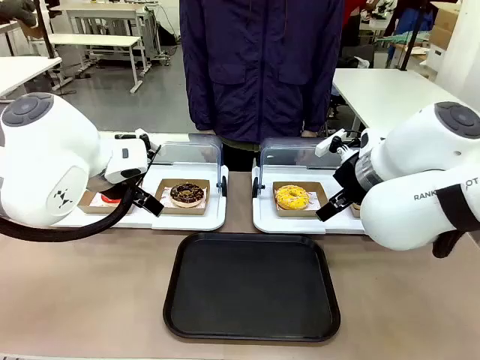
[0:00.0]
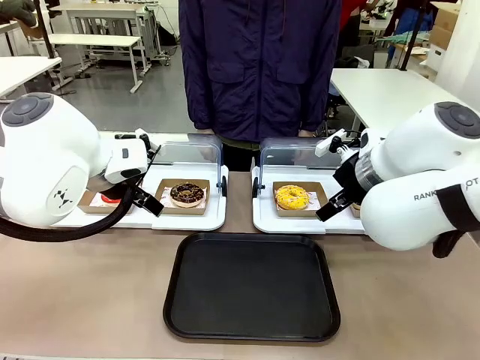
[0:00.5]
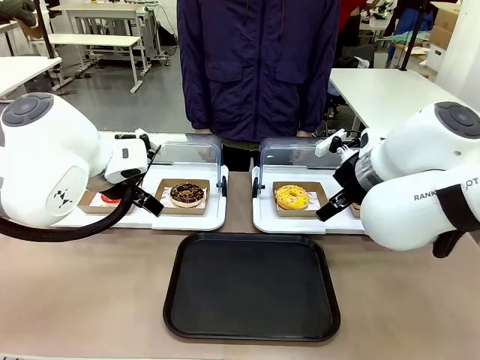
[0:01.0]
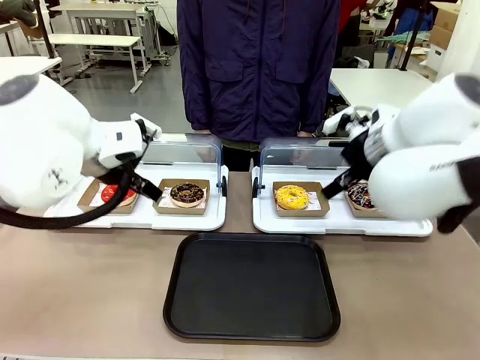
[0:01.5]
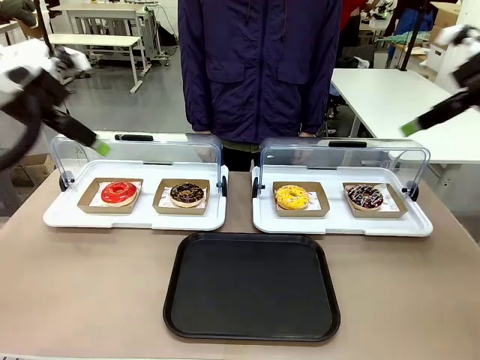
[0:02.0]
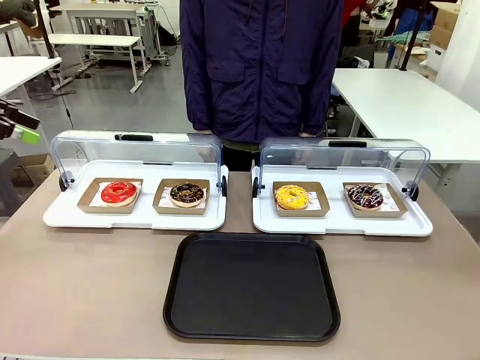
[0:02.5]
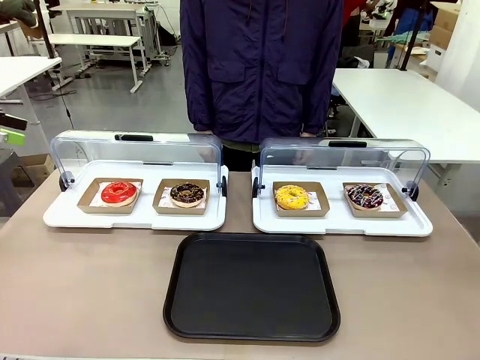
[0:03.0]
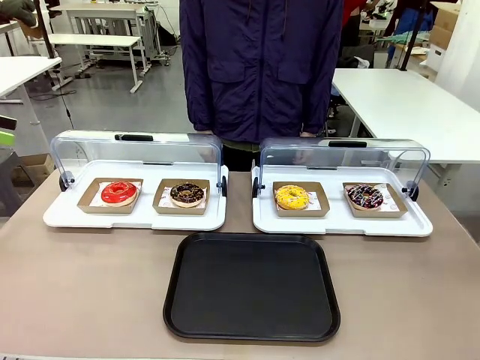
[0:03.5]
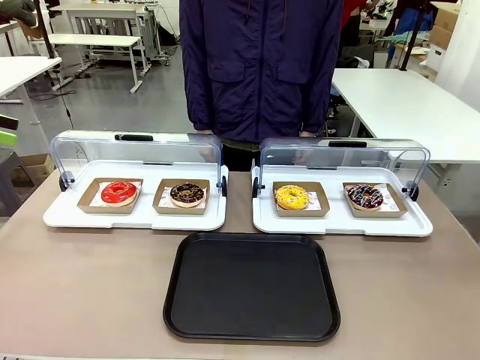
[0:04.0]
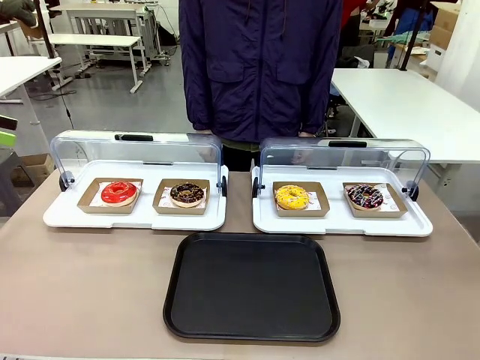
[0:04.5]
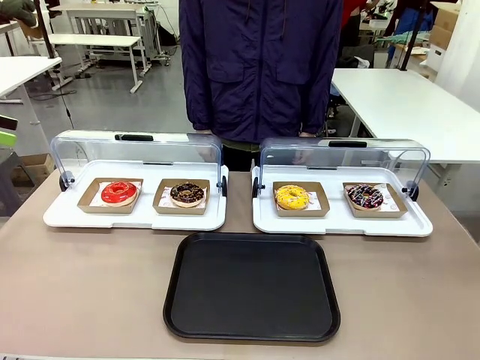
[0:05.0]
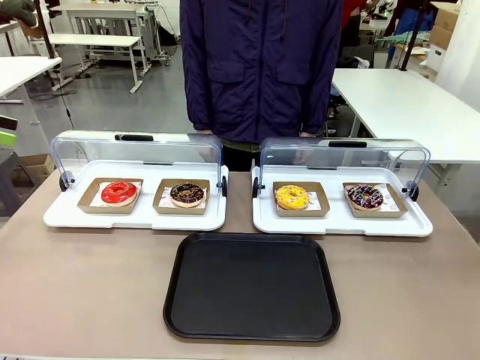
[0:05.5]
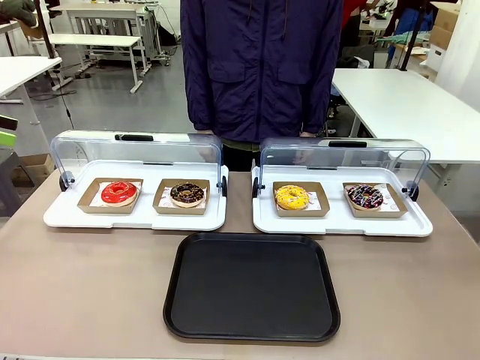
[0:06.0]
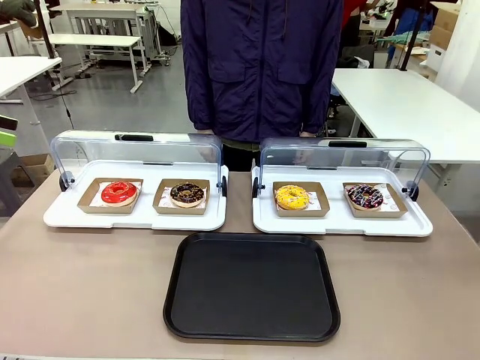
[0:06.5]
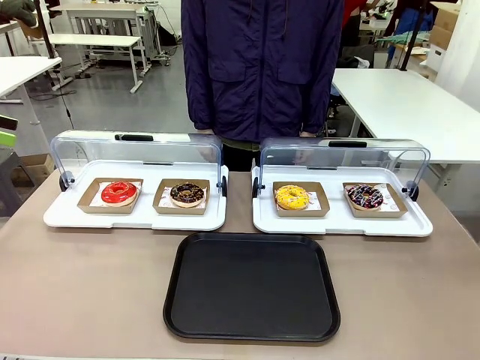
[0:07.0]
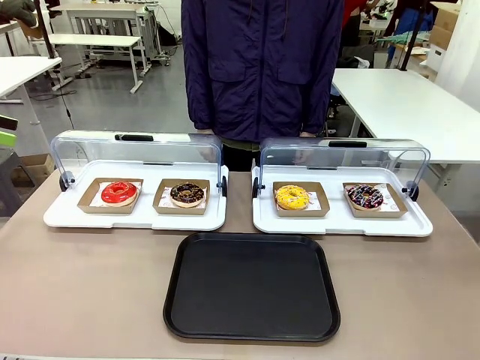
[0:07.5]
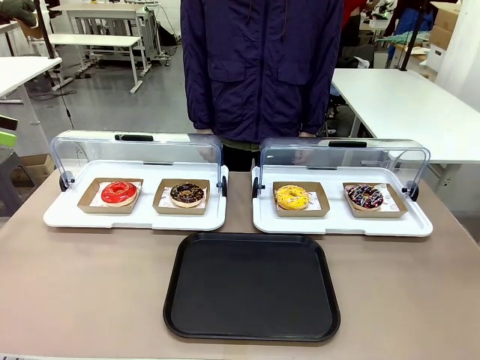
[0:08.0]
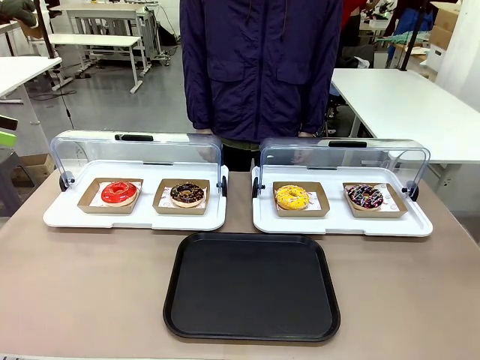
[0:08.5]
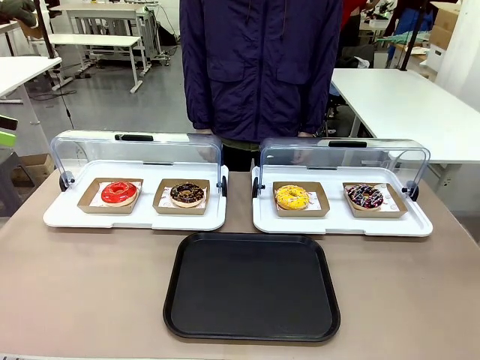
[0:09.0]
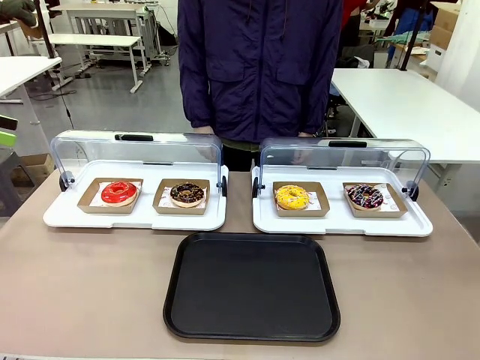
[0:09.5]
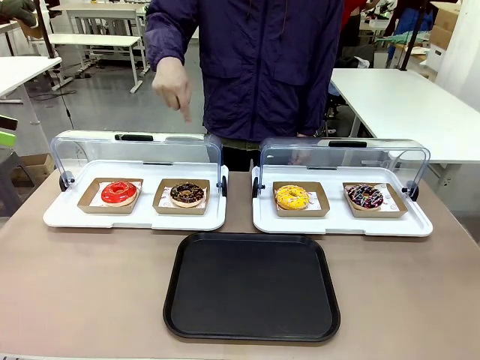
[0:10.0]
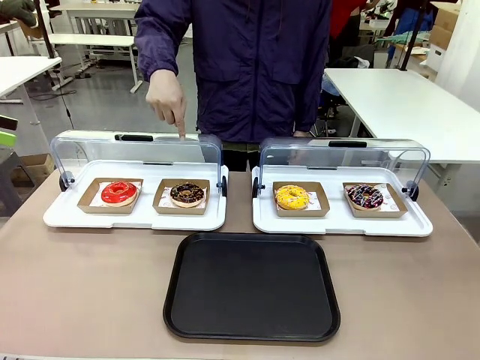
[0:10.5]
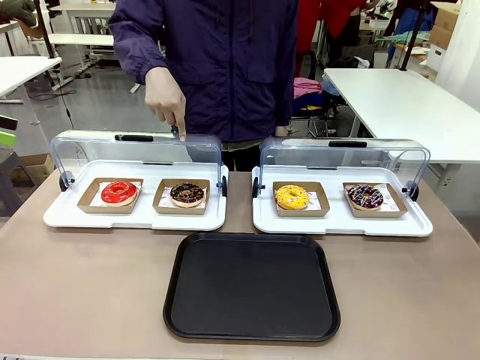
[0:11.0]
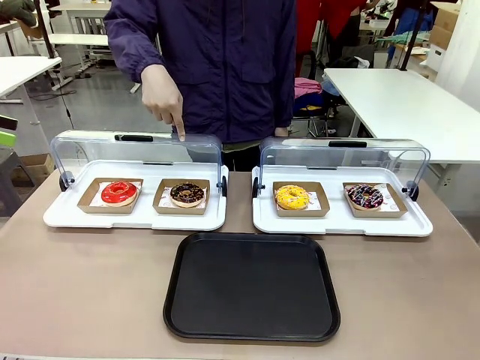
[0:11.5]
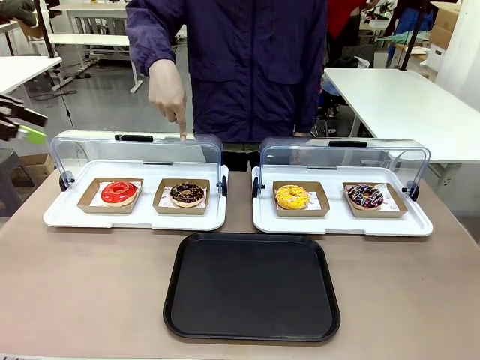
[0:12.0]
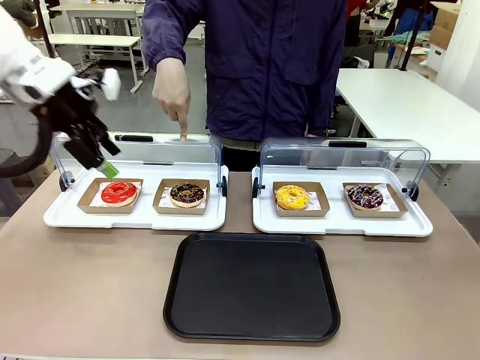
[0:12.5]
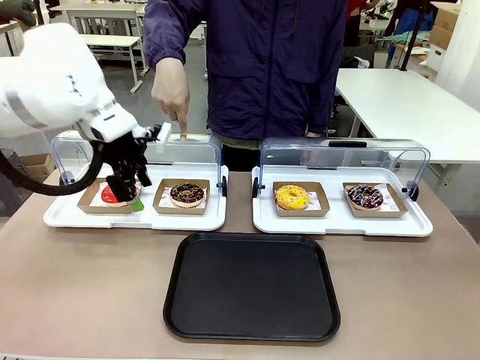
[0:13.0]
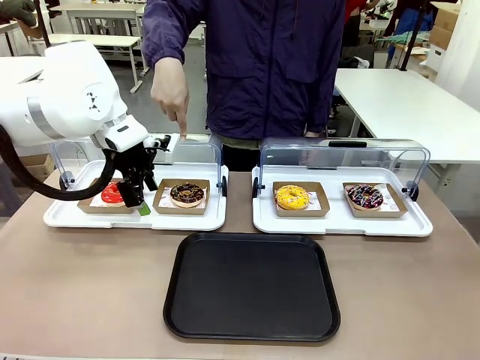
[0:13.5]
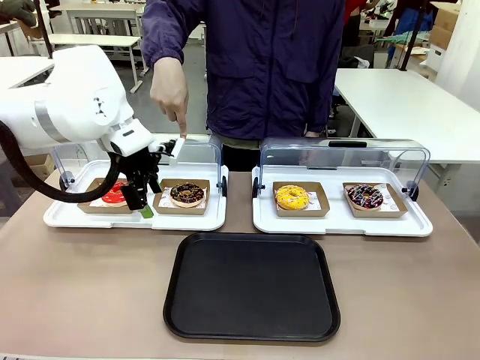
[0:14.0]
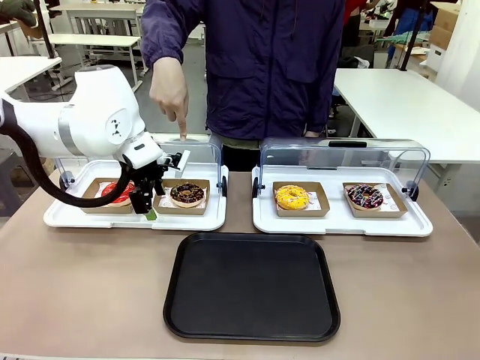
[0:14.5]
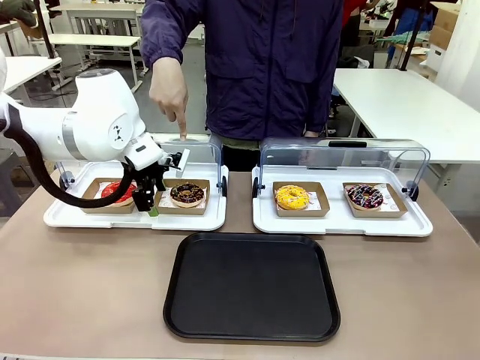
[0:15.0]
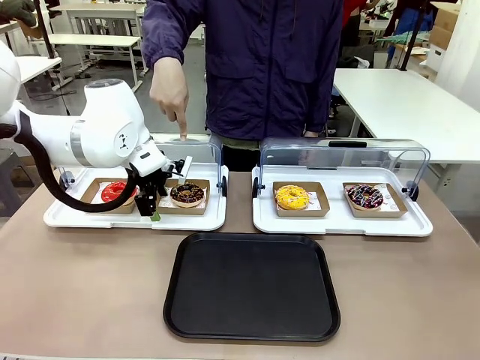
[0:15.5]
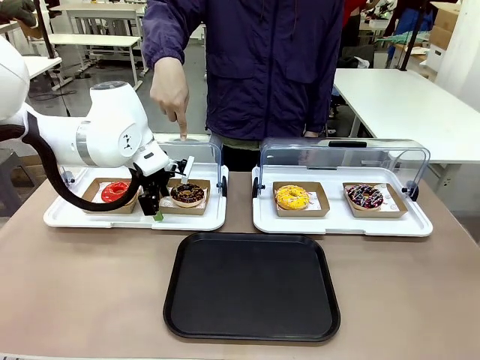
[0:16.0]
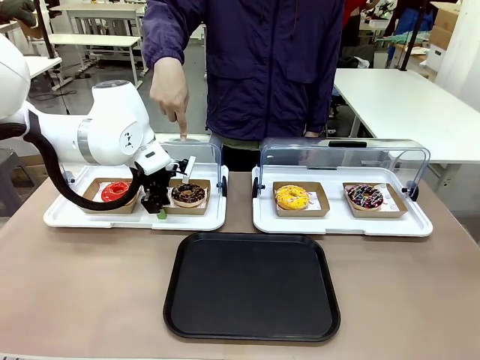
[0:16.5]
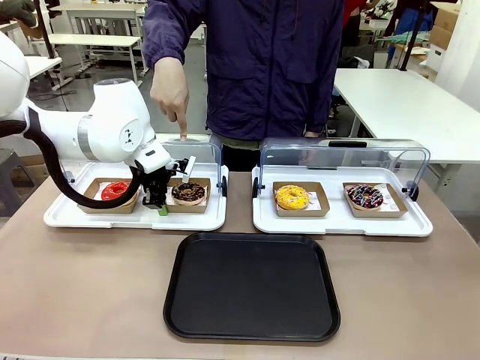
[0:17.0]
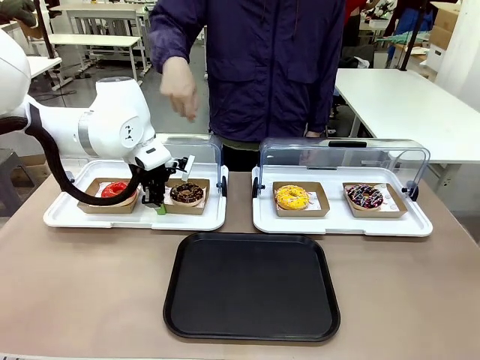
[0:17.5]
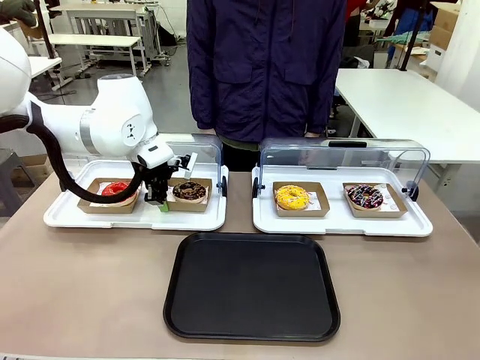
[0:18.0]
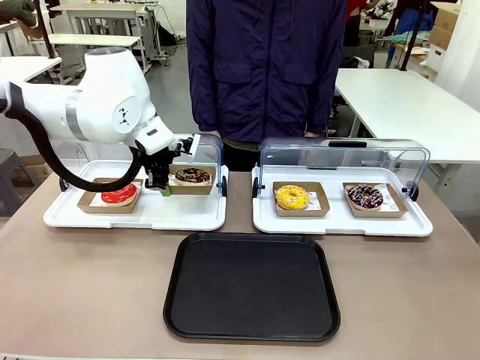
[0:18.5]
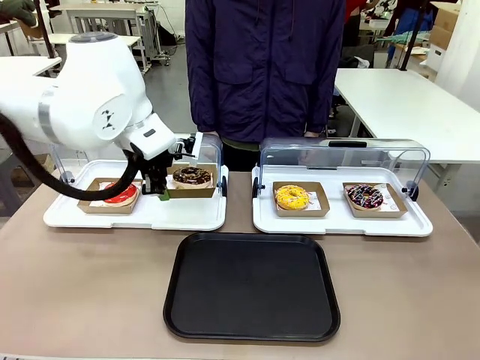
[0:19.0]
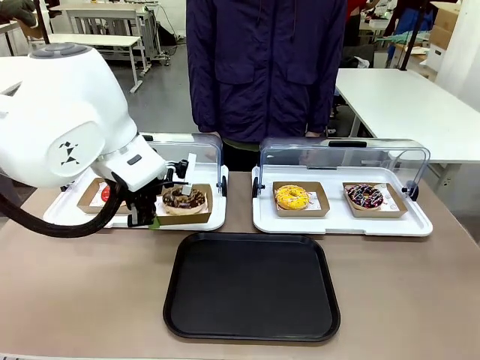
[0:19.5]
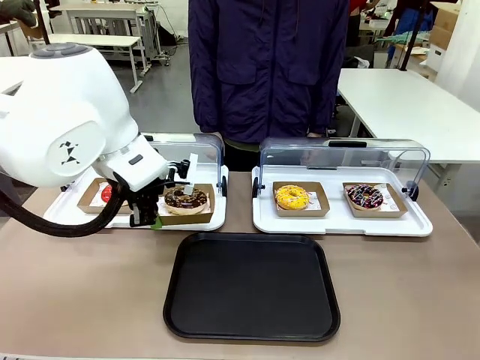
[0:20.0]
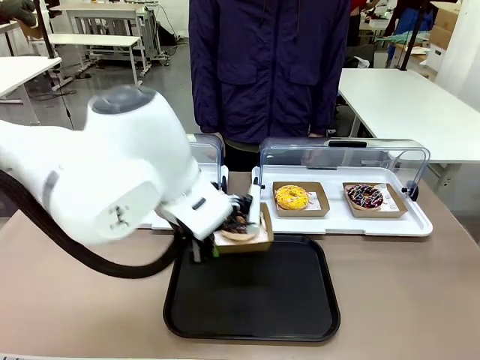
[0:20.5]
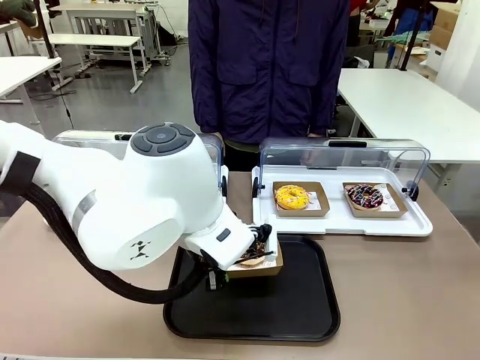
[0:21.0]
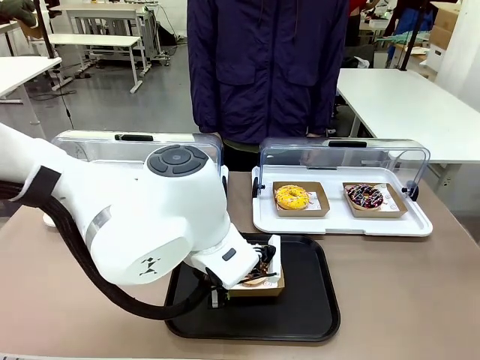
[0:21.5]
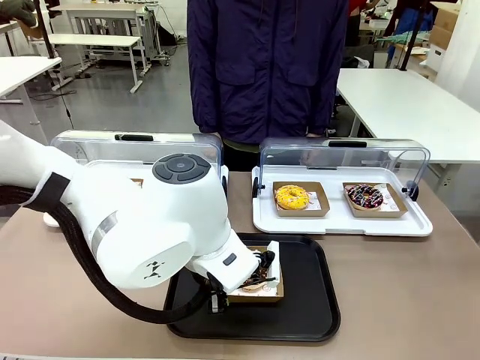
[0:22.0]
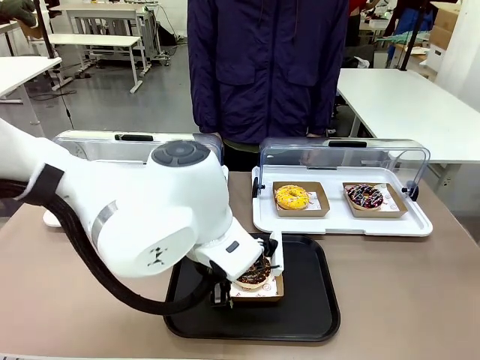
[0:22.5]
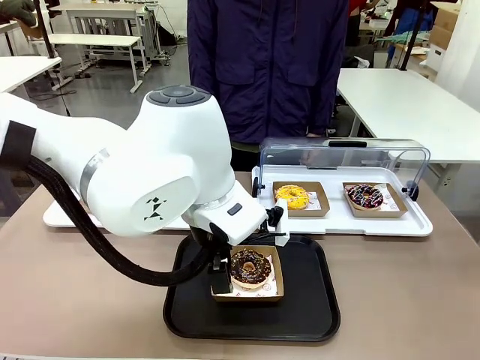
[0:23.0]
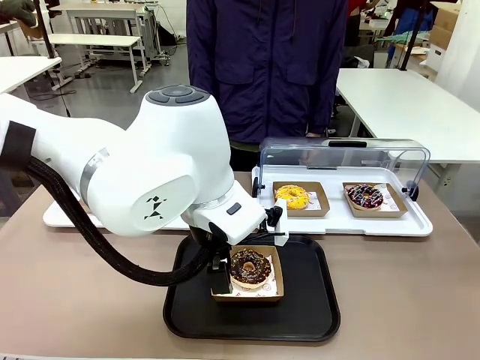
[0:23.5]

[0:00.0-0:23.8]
Task: Move the second donut from the left to the tray.
Robot: Pick up the Paper togo box containing the Donut indicated by the person and place it on the Handle tray.
Person: Points to the second donut from the left from the robot’s perspective.
